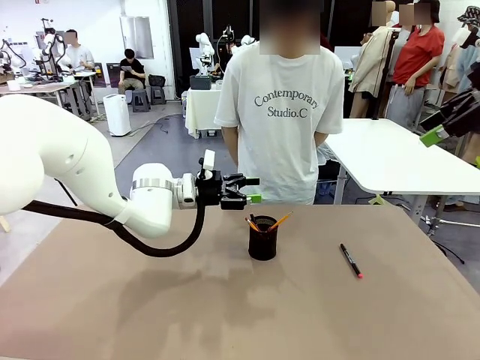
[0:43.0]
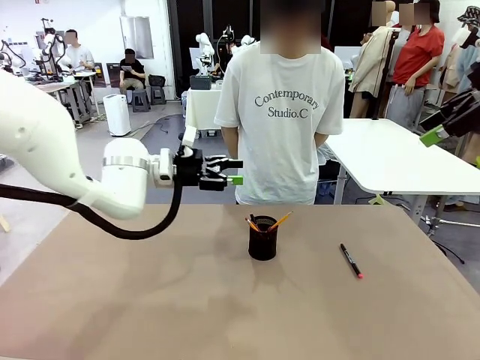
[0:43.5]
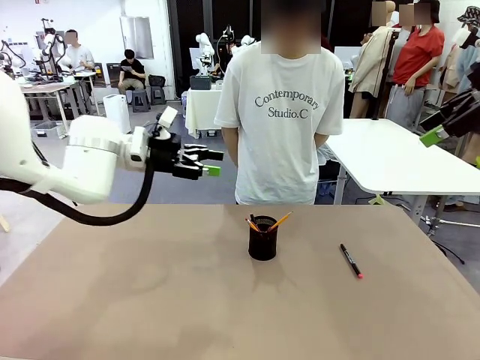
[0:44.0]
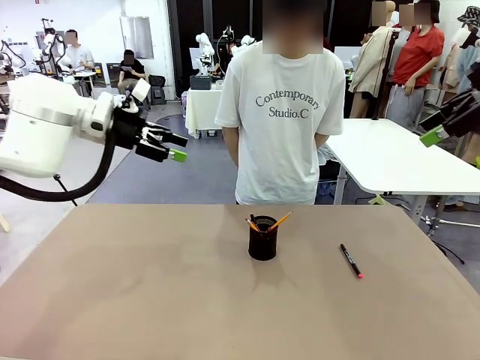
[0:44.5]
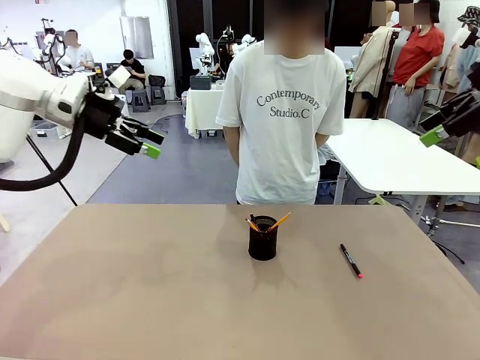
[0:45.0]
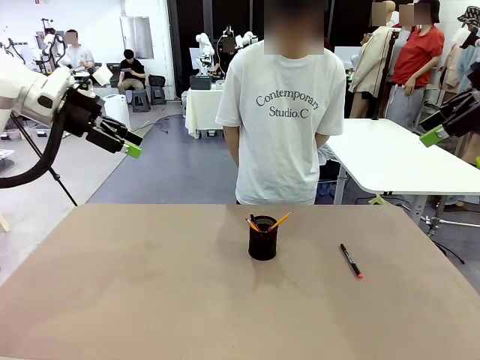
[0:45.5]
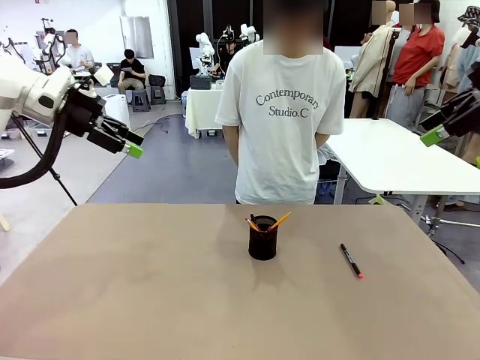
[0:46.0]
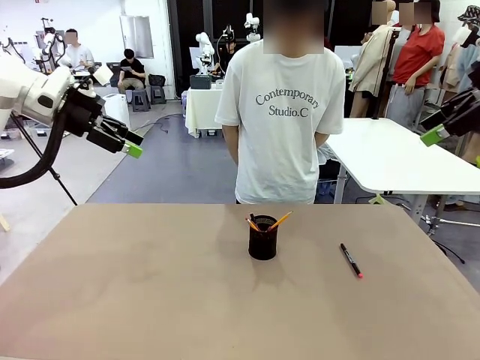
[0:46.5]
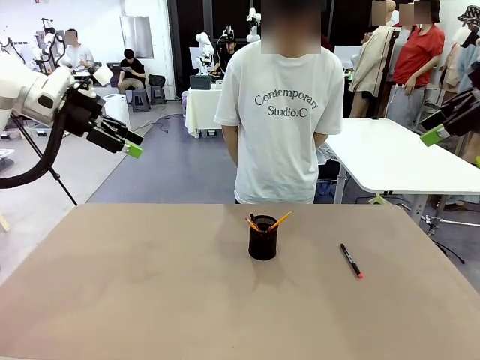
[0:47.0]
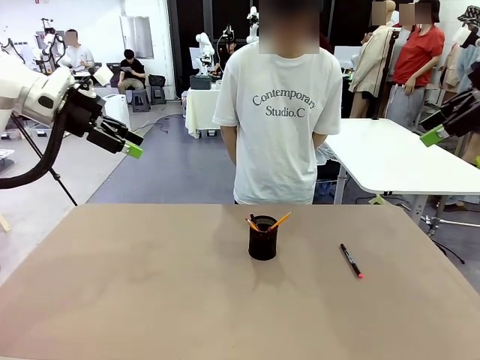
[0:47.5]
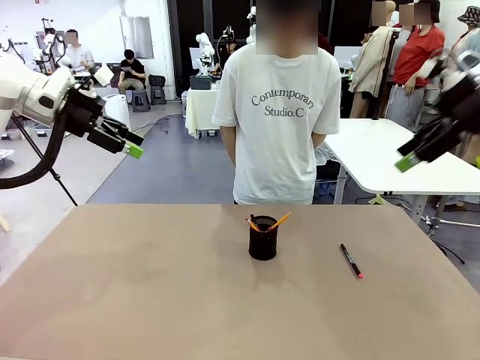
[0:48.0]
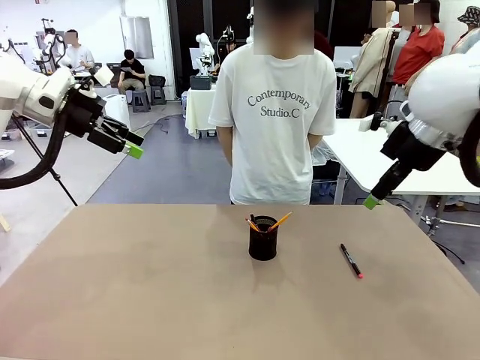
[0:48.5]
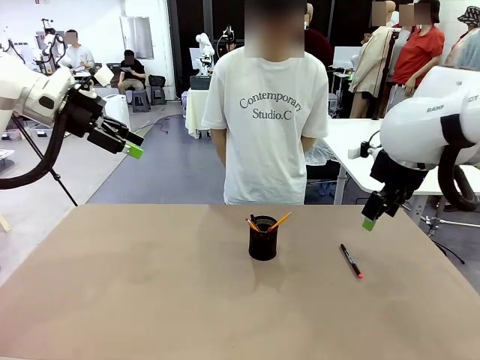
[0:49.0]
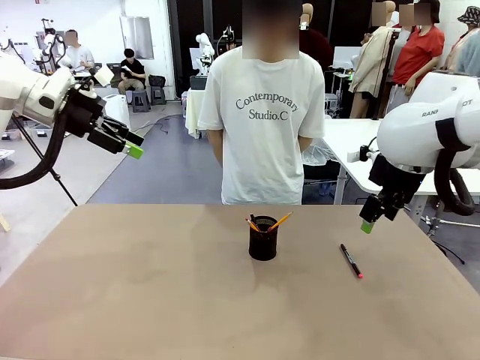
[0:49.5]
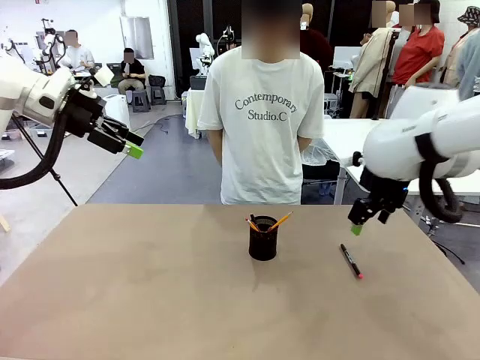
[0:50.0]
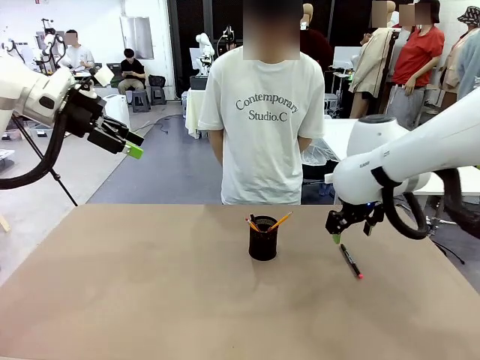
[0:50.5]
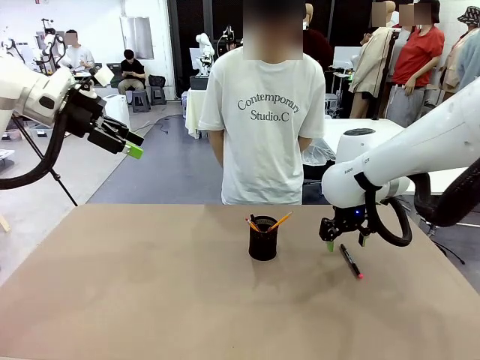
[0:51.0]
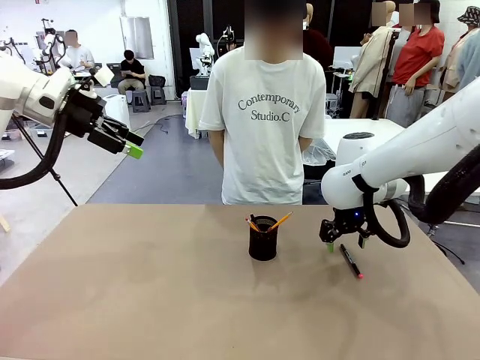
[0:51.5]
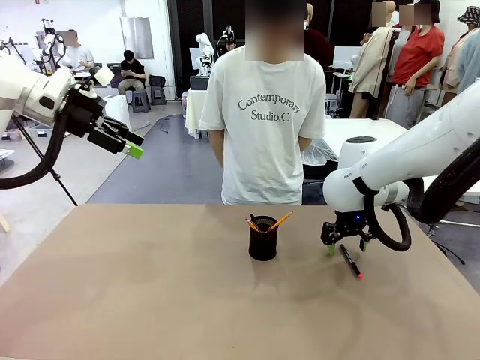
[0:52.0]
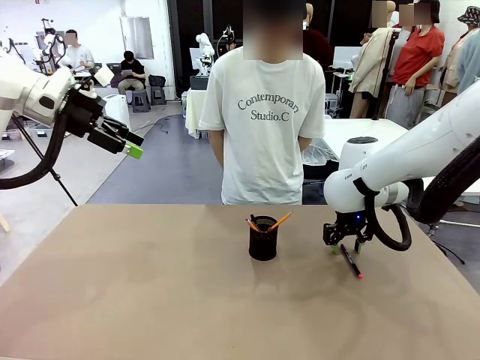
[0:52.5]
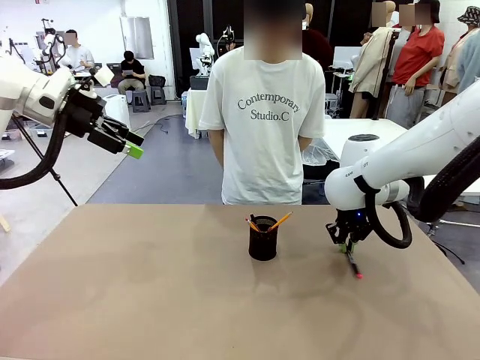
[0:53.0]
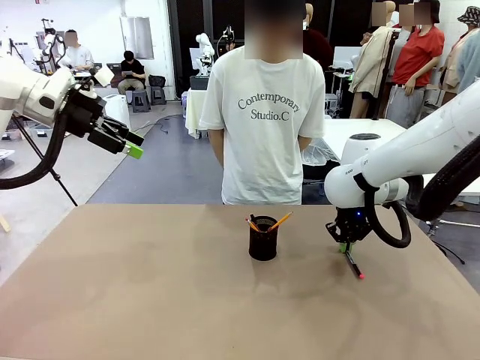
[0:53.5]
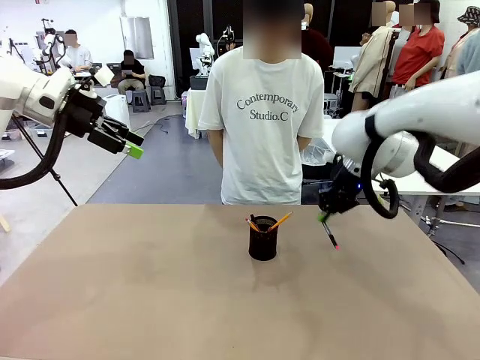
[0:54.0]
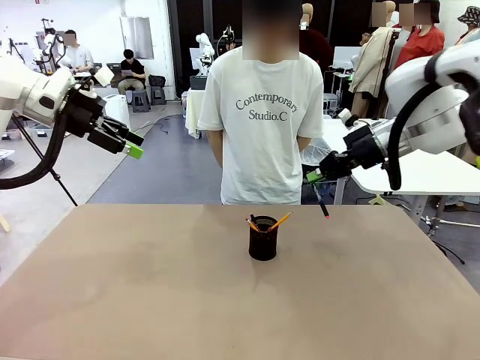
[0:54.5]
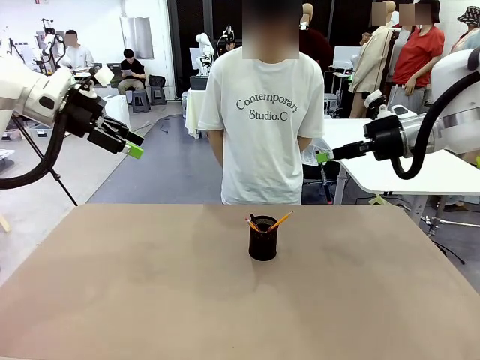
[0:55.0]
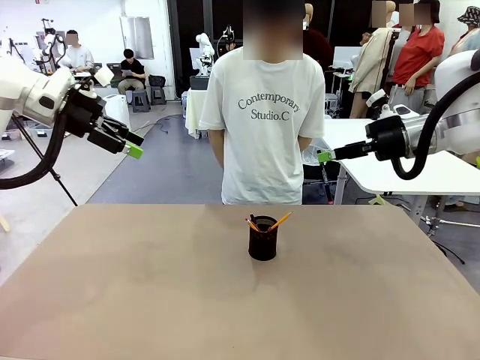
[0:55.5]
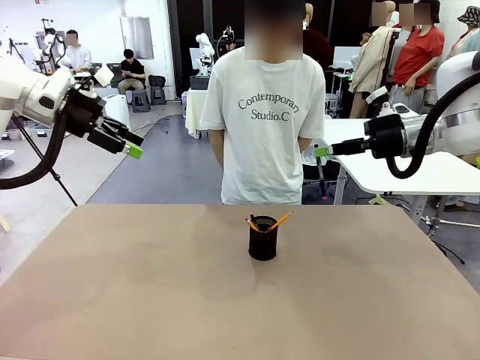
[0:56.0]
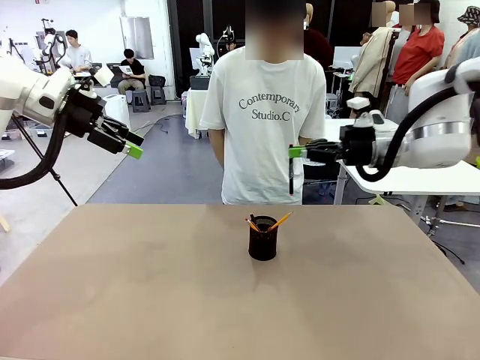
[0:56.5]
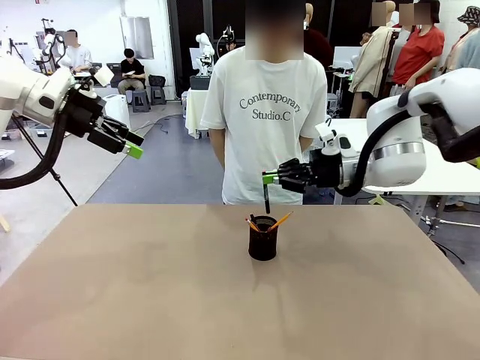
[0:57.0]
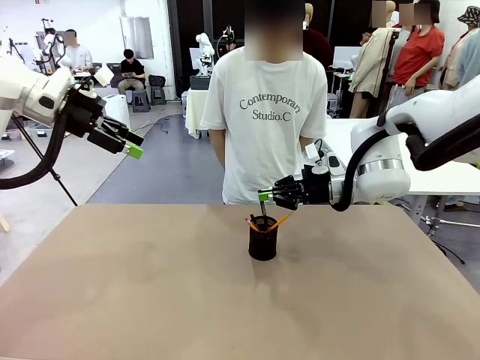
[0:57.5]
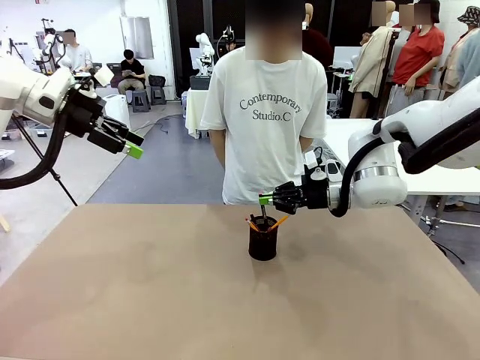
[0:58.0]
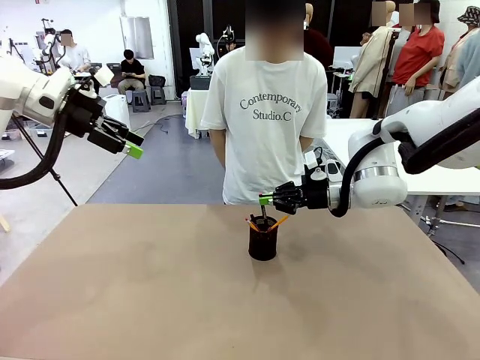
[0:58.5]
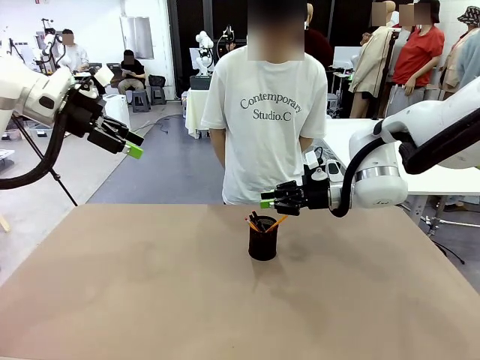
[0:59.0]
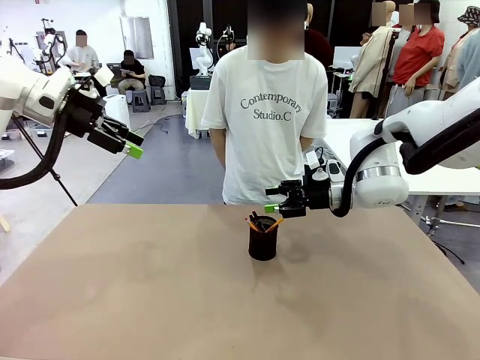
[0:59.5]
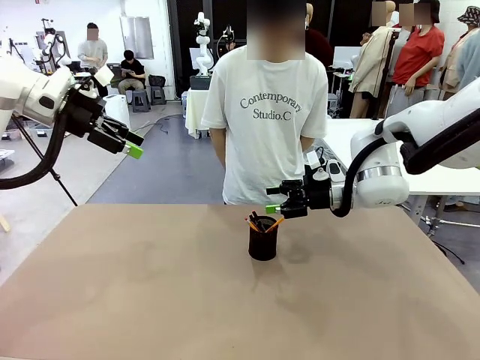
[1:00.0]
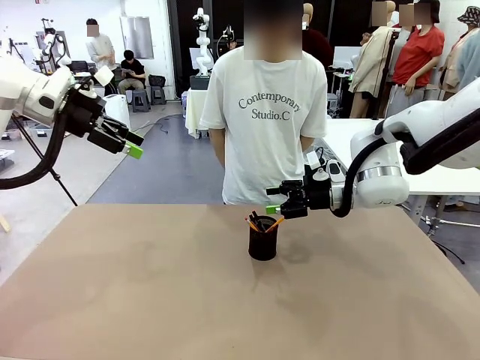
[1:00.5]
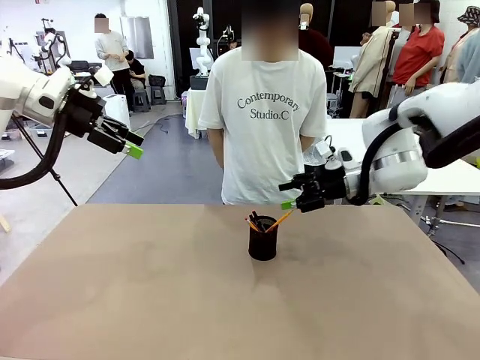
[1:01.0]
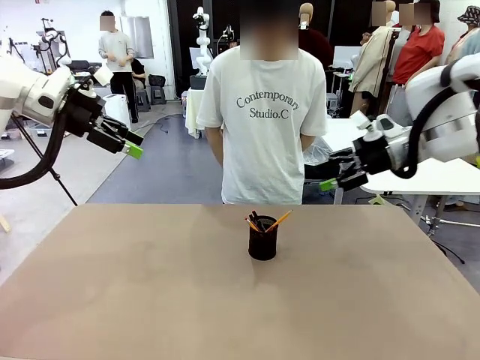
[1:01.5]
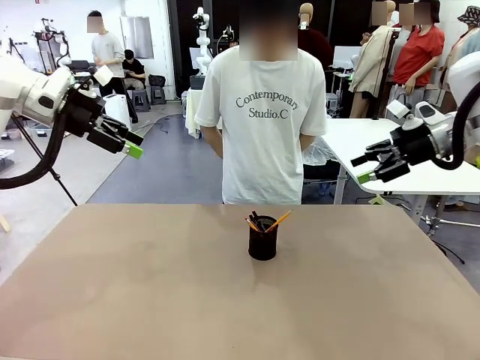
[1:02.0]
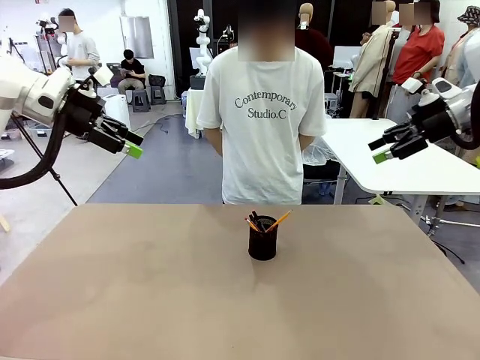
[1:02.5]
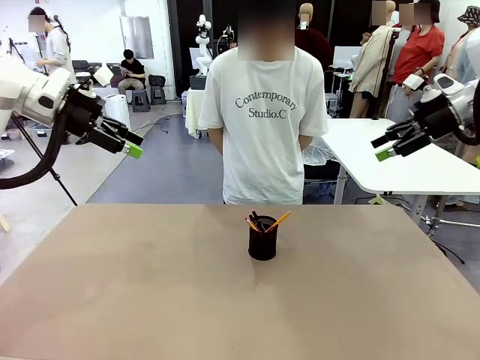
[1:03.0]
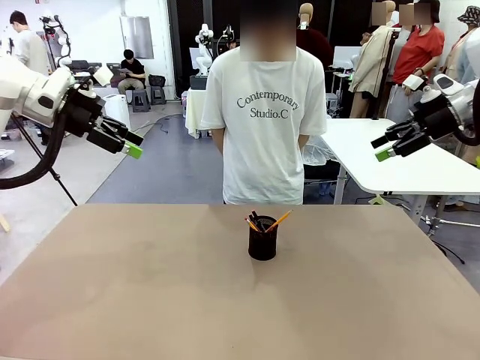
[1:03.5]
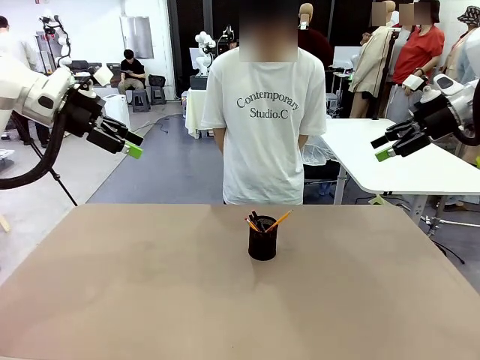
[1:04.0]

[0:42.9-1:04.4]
Task: Place the pens into the pen holder.
Robot: Pick up a writing instrument from the table and place it into the Pen holder.

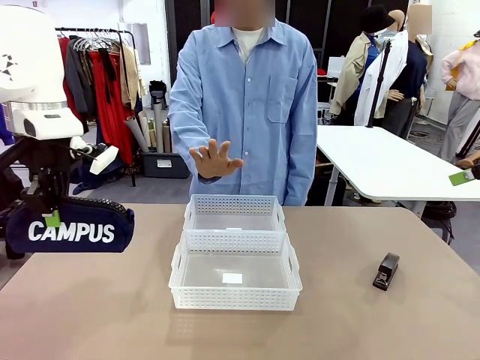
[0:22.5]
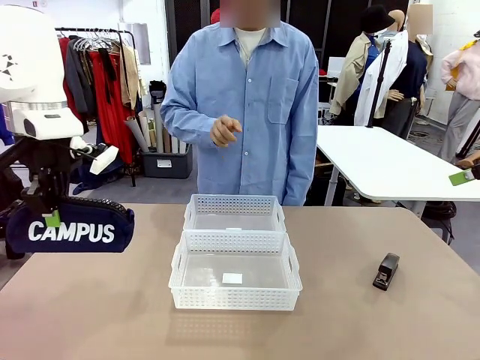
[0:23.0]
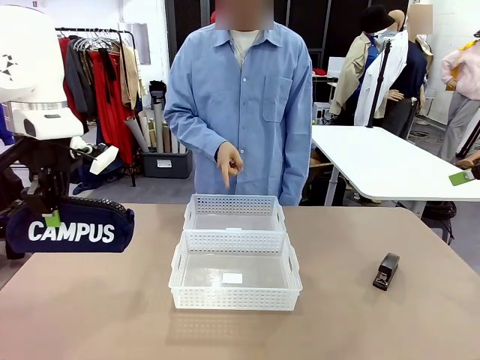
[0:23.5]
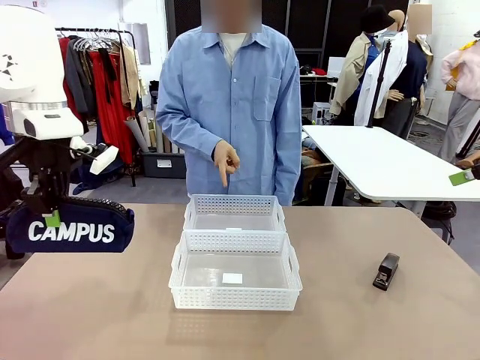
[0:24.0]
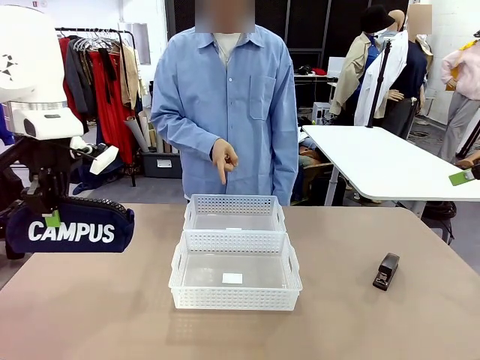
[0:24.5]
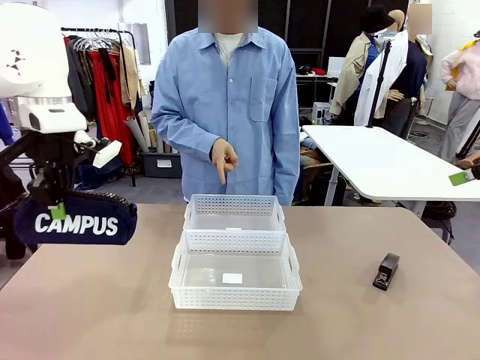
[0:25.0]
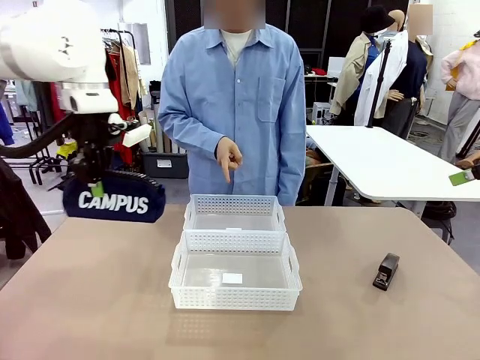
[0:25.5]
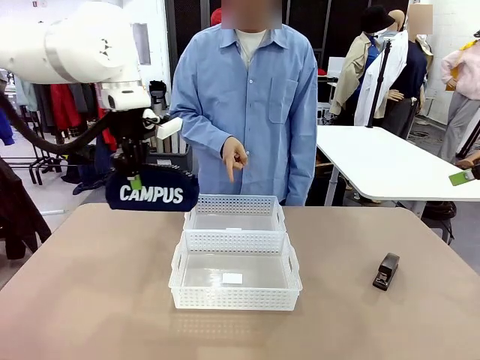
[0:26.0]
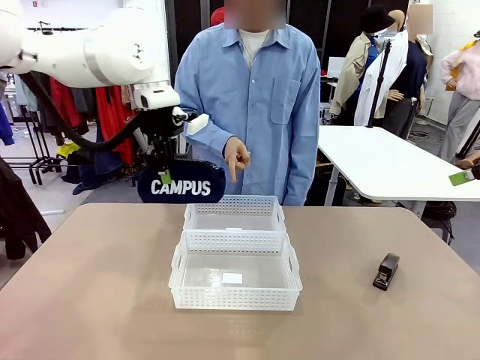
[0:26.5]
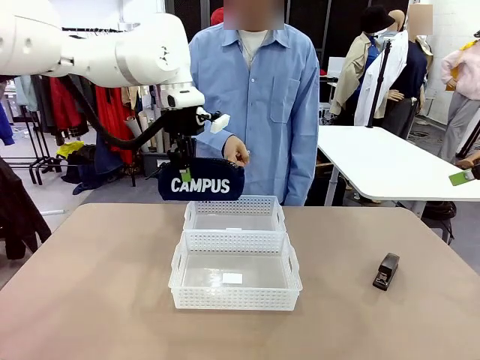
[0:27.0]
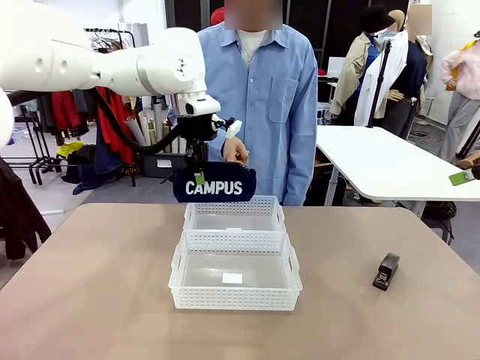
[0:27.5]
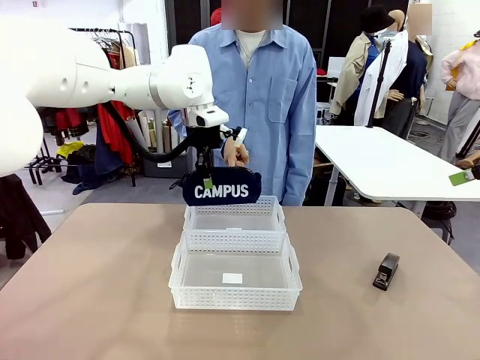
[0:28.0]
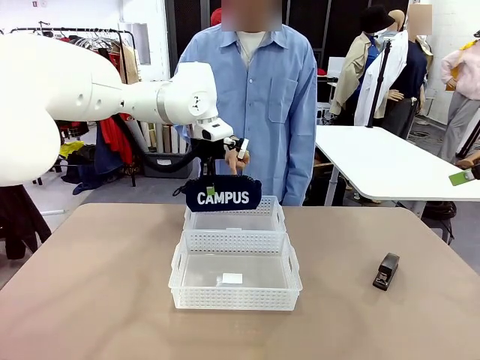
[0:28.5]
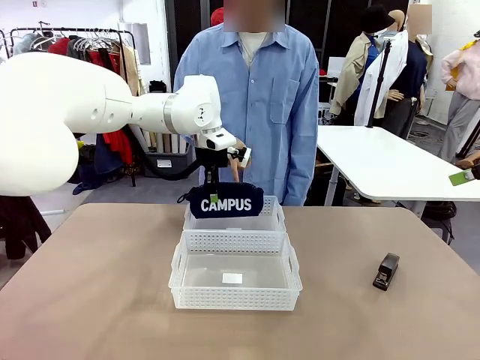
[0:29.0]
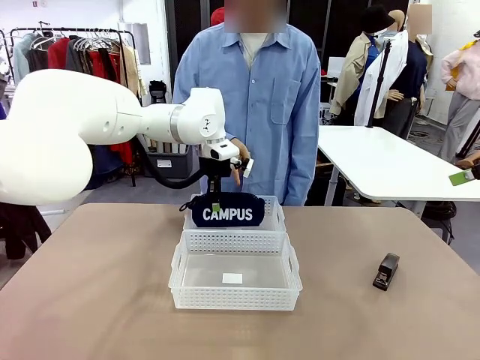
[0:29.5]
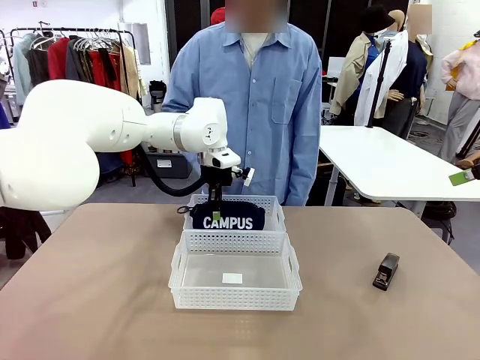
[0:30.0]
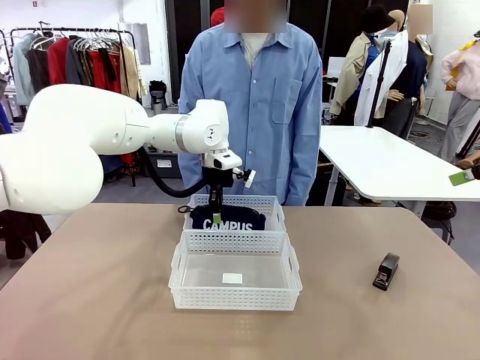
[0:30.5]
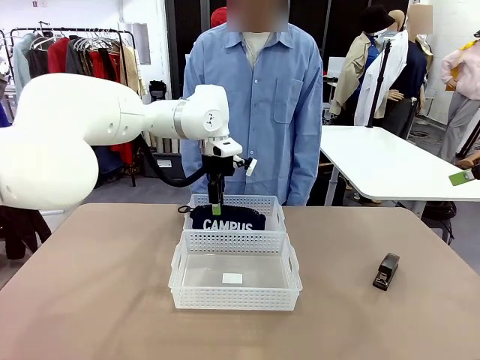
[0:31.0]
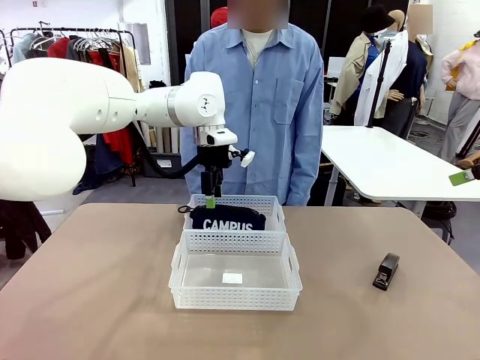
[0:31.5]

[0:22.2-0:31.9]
Task: Distribute items into two baskets.
Robot: Place the picked Pencil pouch into the Organizing basket as instructed by the person.
Person: Instructs the robot to place the pencil case into the opposite basket. Points to the stapler.
